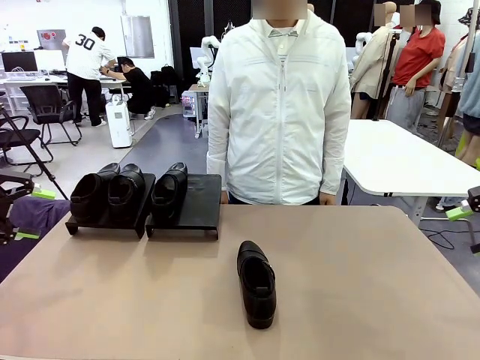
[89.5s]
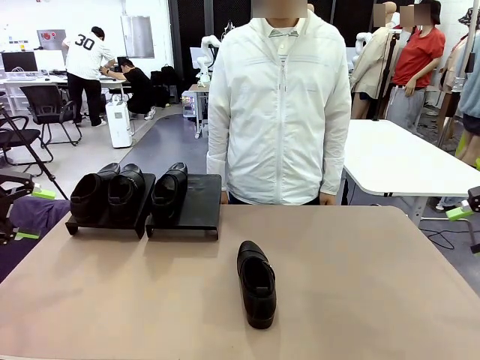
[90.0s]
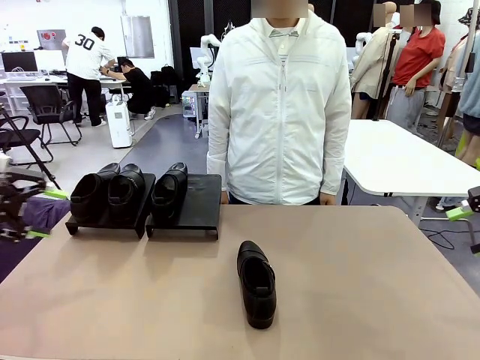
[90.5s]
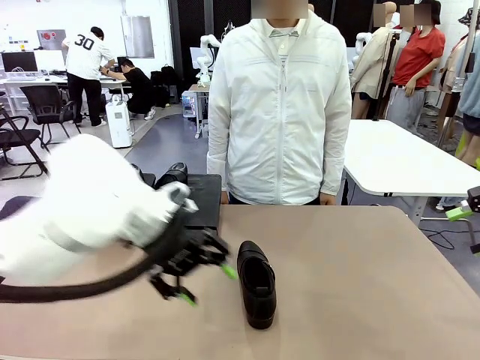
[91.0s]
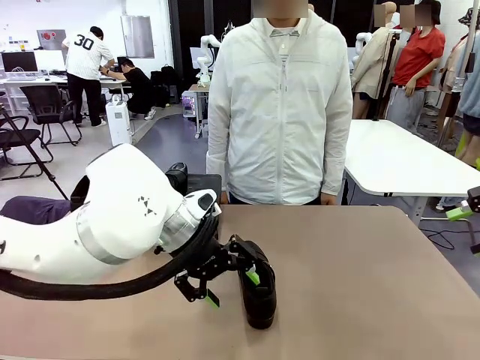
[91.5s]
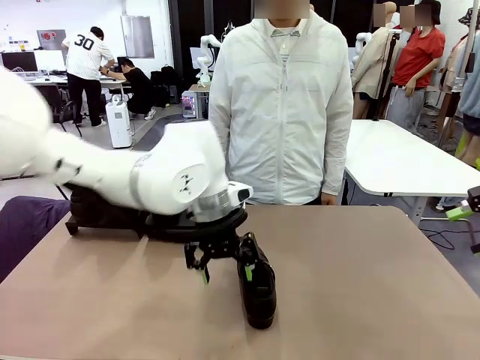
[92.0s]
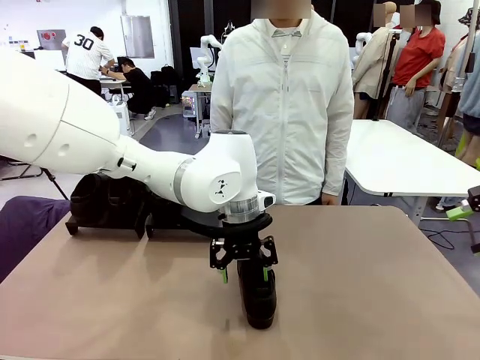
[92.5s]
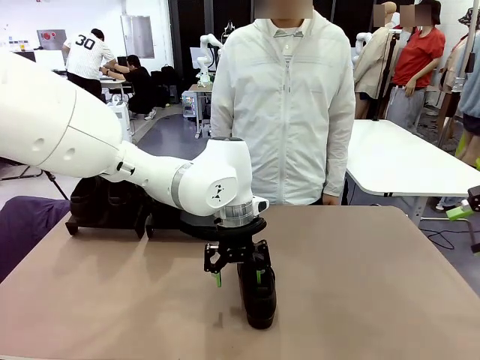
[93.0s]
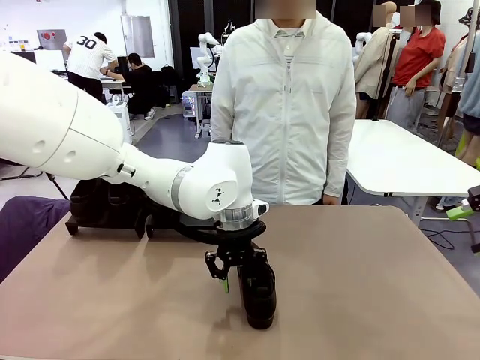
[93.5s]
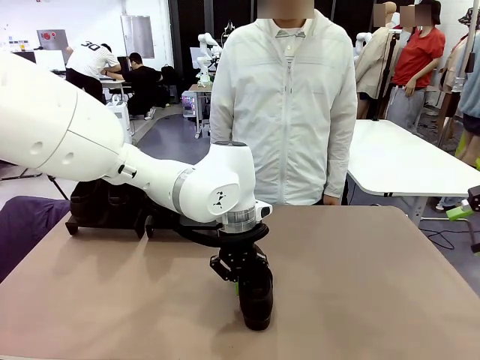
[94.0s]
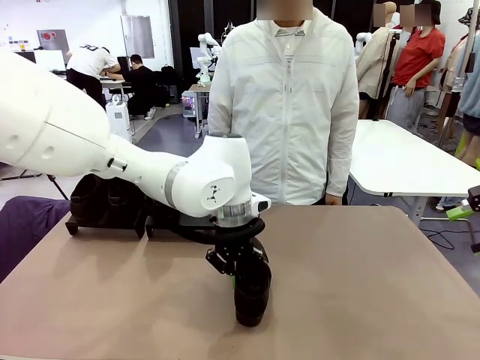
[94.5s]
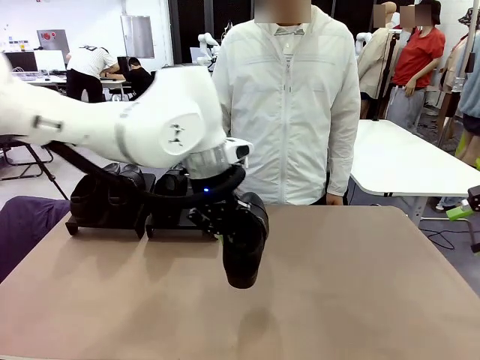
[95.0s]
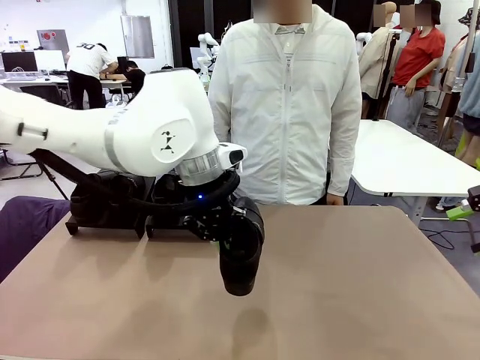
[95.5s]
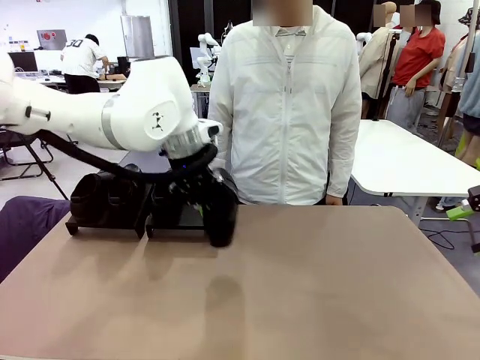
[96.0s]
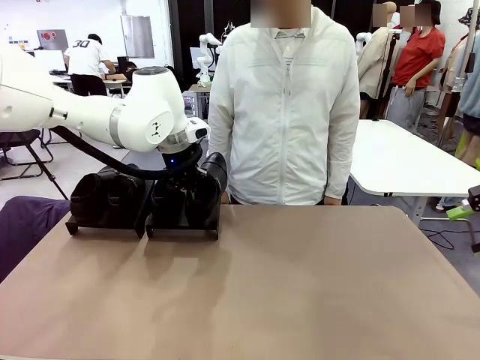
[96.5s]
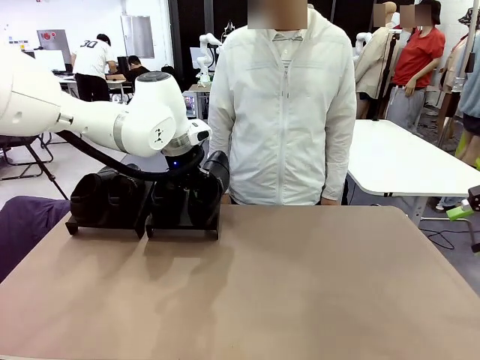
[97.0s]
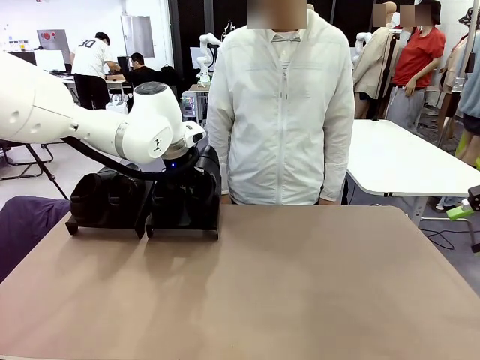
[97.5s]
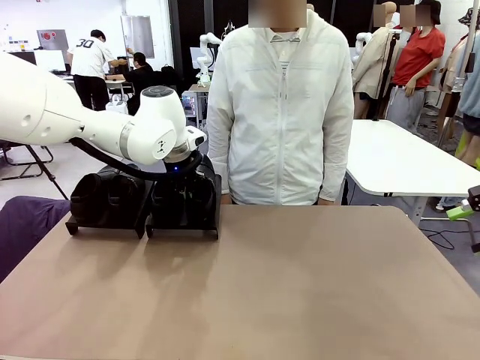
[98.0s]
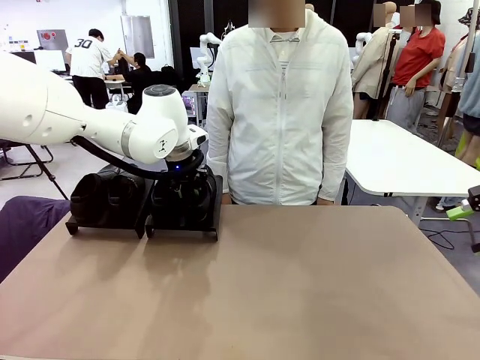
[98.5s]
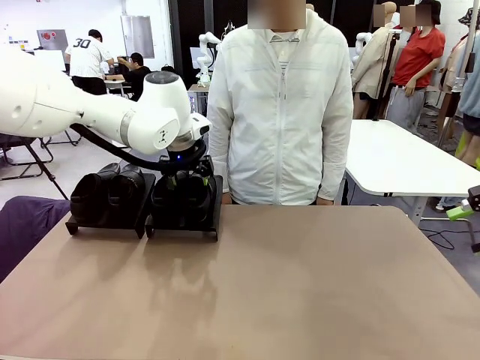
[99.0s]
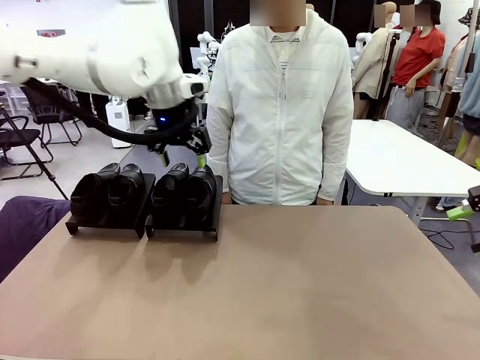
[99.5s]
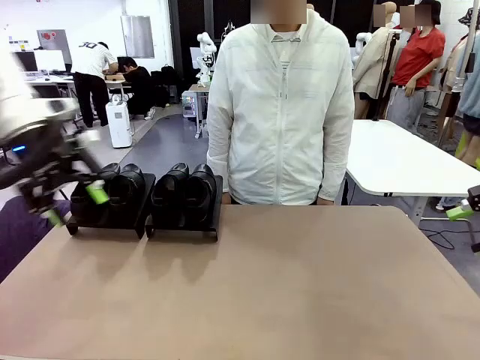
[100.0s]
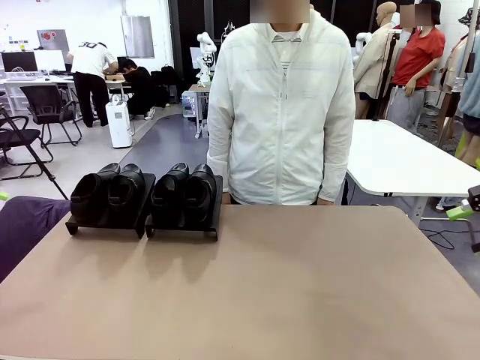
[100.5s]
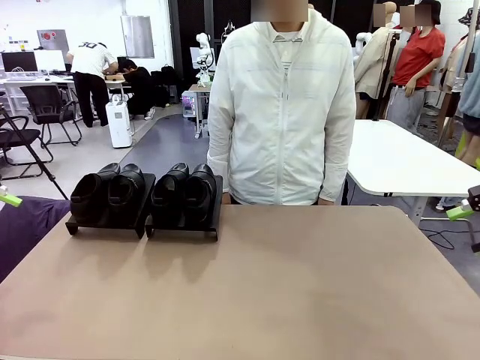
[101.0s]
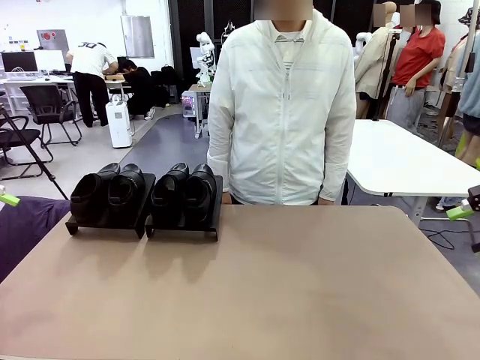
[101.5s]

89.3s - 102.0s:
Task: Organize the shoes by placing them on the stand.
Robot: Place the Shoe from the middle of the table onto the Shoes Stand.

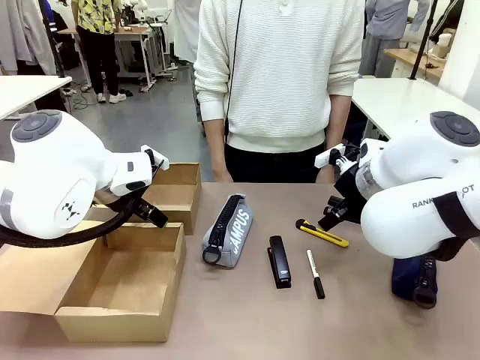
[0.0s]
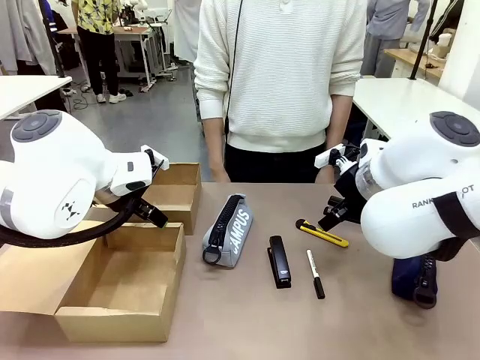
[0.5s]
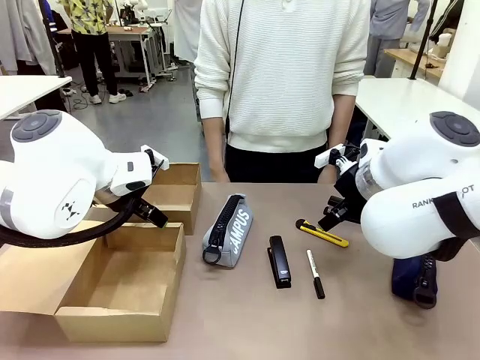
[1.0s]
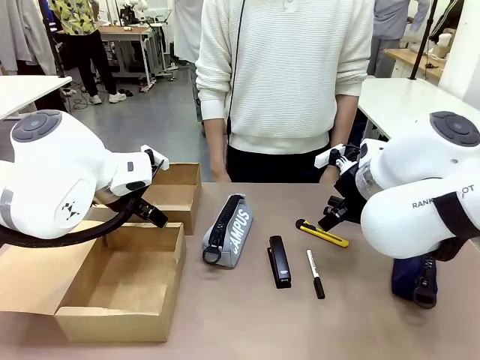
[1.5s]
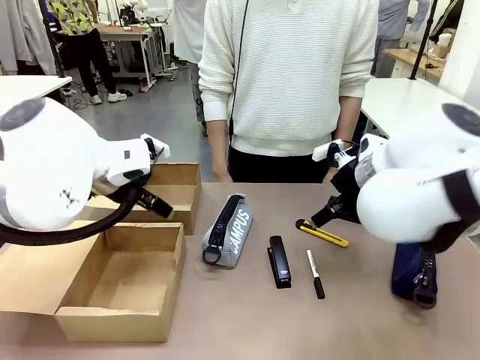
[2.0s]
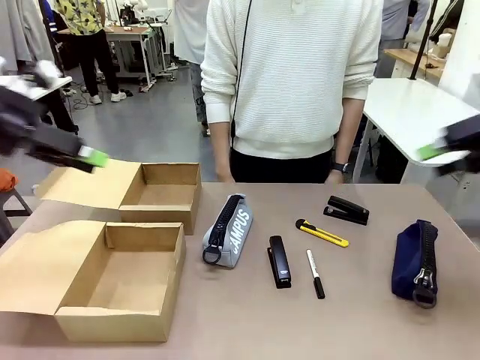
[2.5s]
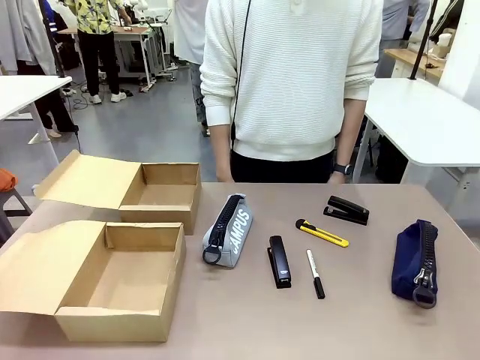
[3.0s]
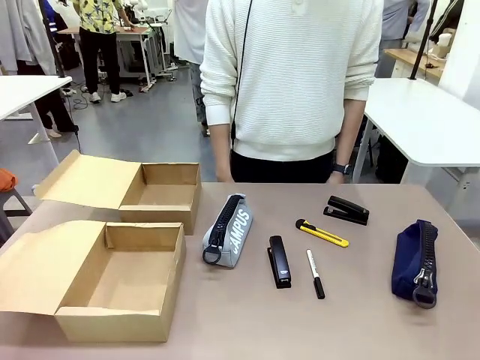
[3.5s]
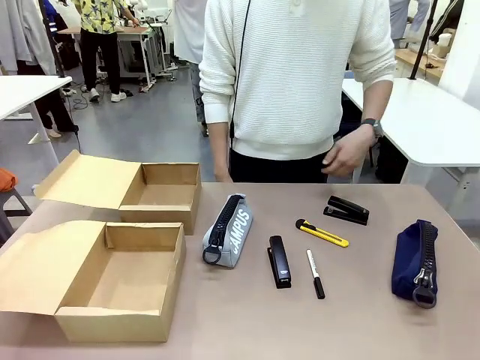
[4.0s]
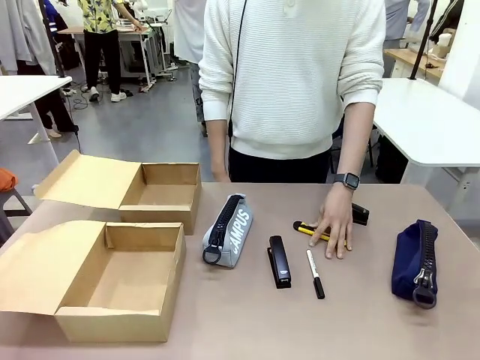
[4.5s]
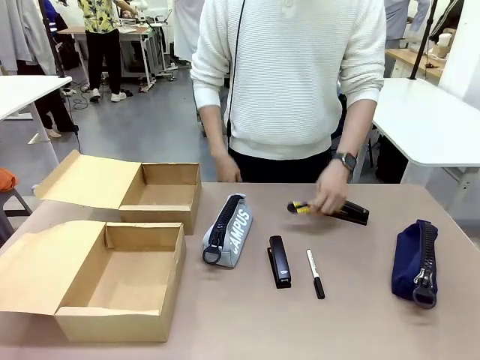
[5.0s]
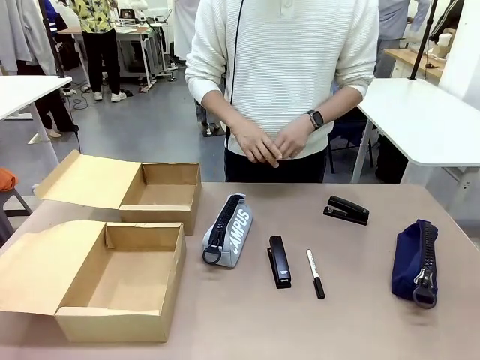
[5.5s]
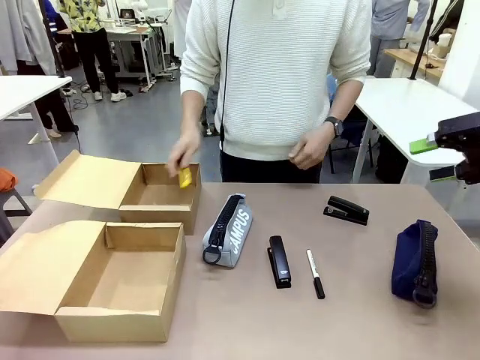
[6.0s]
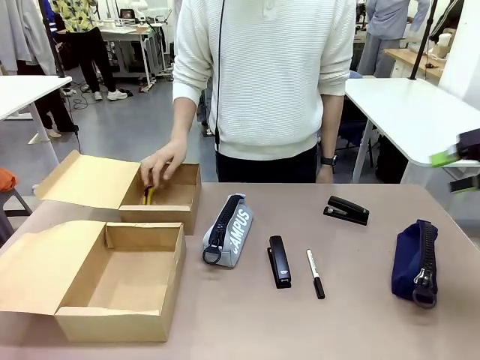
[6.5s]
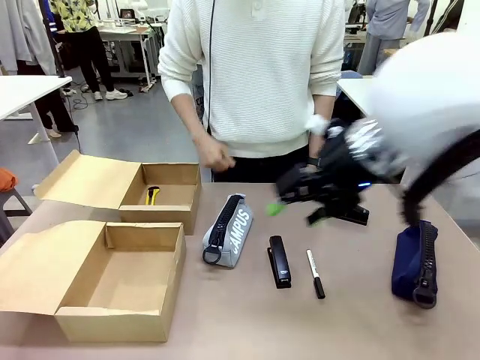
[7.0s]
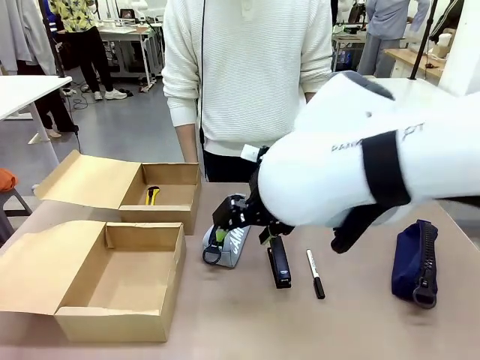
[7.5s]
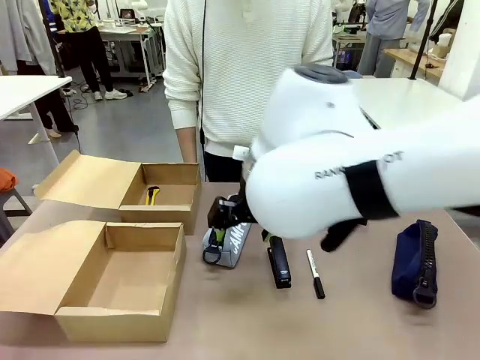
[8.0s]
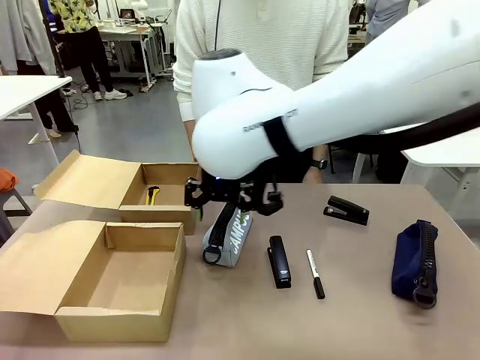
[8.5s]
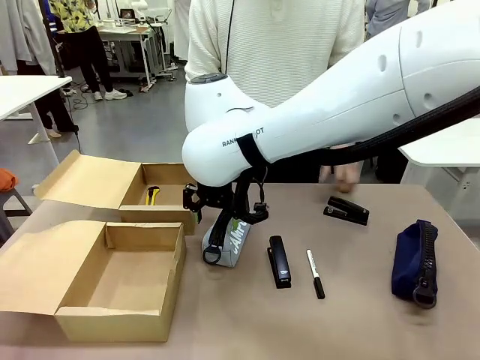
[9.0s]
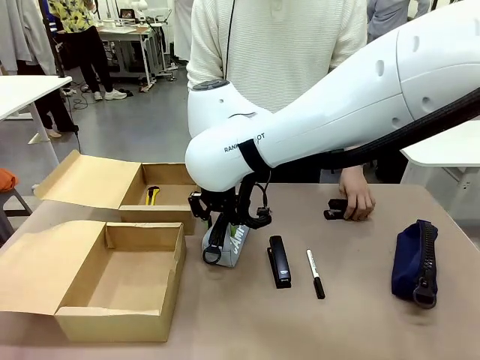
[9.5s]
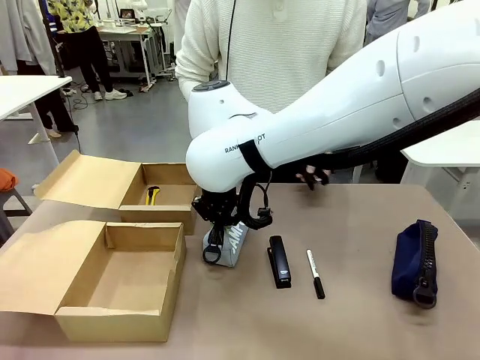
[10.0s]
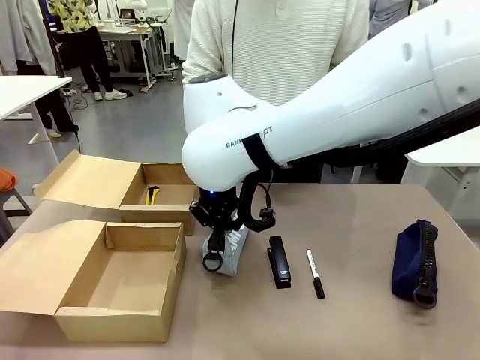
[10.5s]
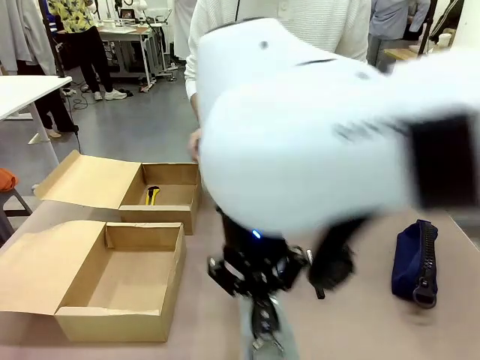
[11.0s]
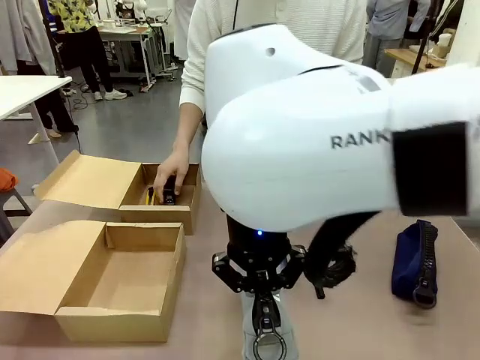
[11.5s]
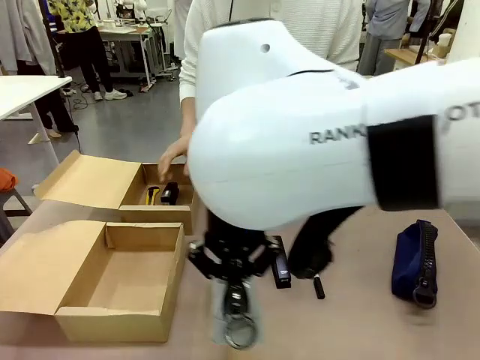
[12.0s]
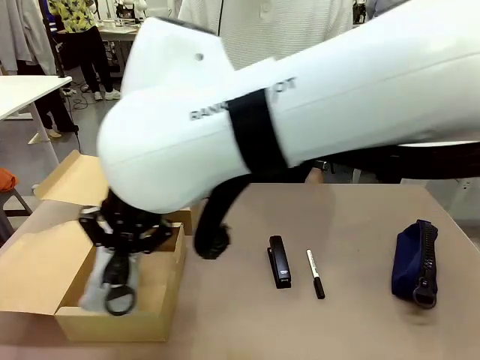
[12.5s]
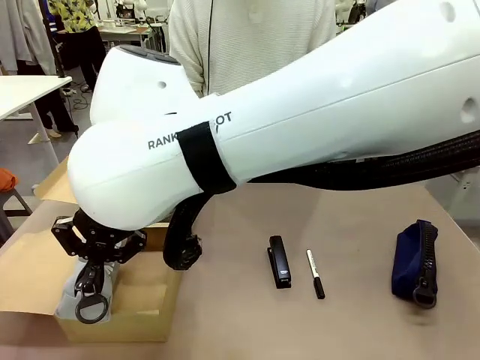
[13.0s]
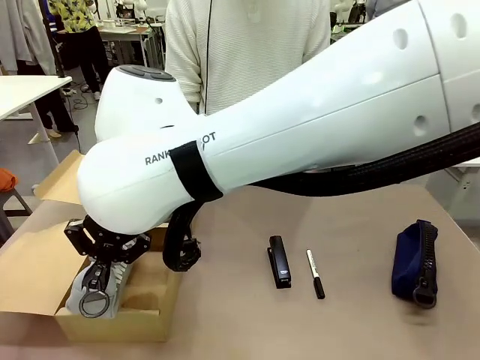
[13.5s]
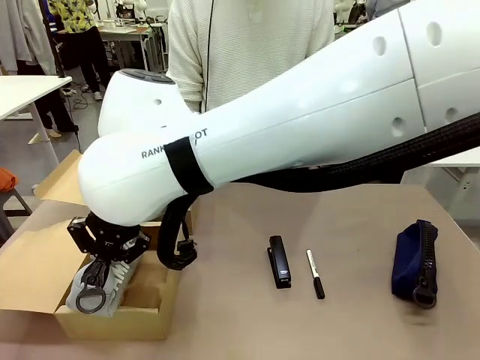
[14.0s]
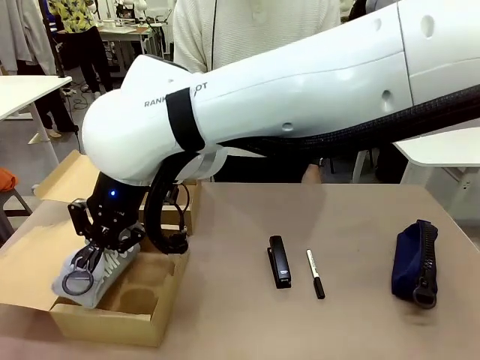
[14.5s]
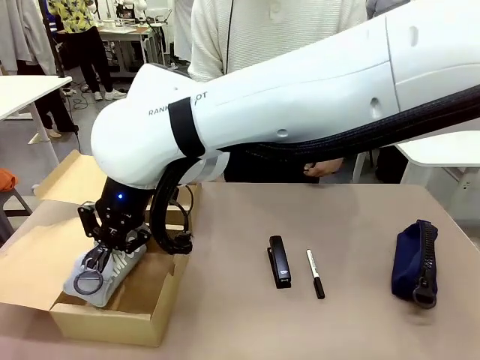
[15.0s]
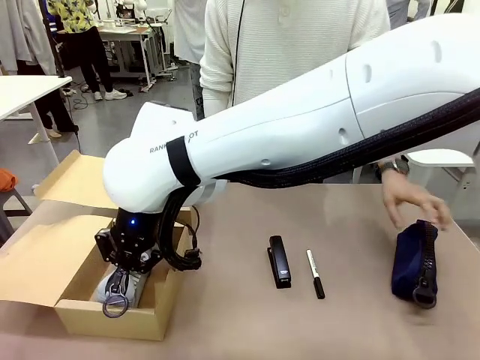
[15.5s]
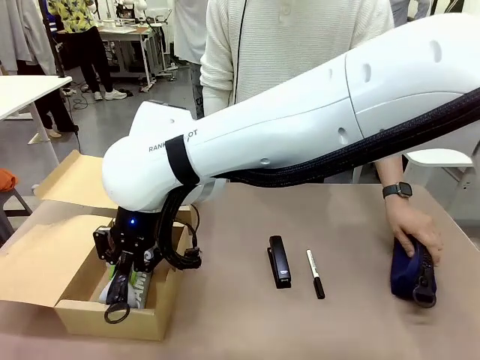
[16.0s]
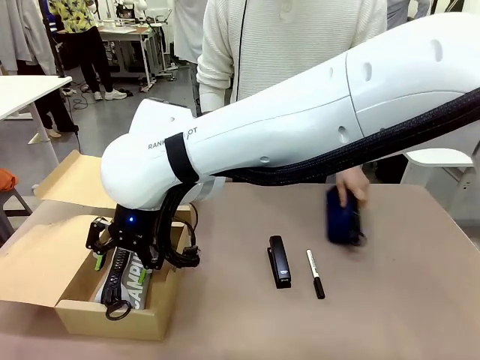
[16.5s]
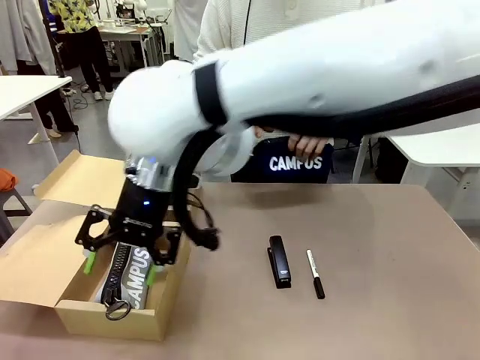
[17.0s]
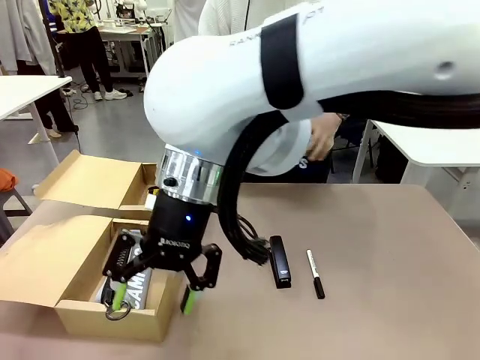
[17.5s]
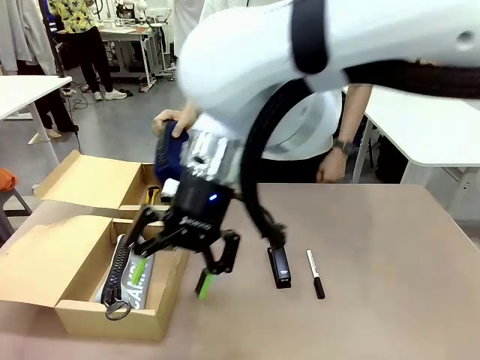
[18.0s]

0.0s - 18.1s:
Task: Place items inside the box.
Robot: Pick up a Pencil pouch or Stapler and place it inside the Mailer Box closest to the robot.
Person: Pick up an object on the table and put it in the box.
